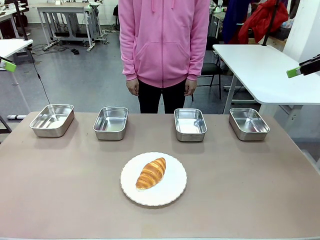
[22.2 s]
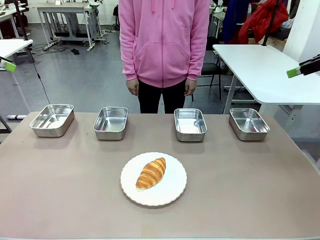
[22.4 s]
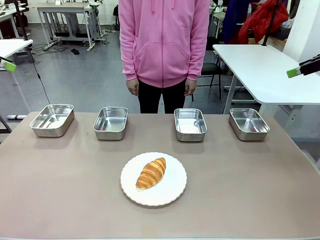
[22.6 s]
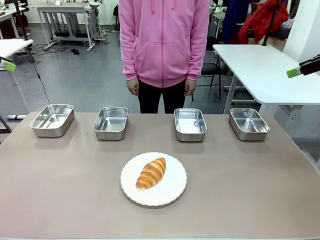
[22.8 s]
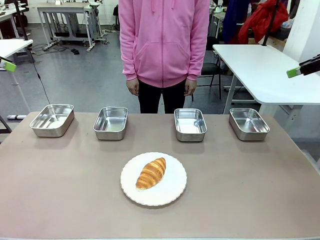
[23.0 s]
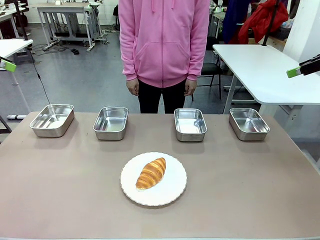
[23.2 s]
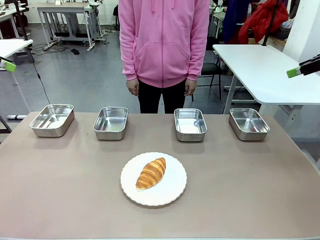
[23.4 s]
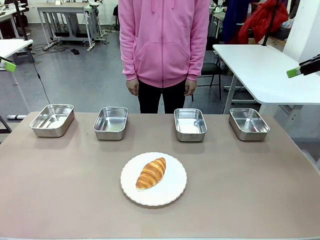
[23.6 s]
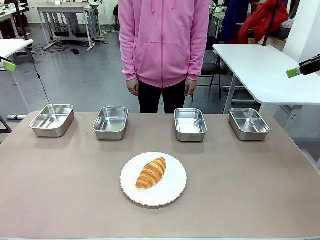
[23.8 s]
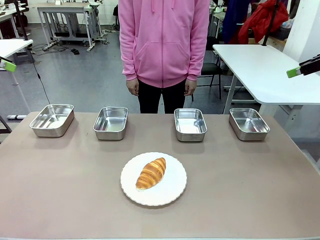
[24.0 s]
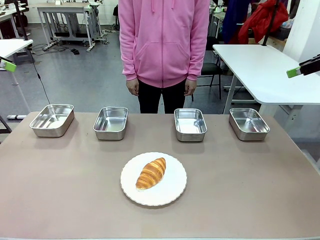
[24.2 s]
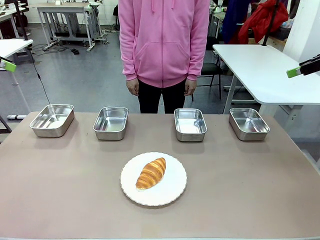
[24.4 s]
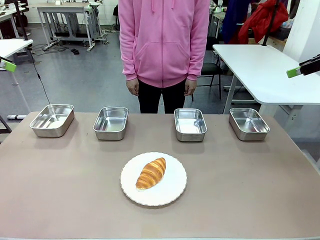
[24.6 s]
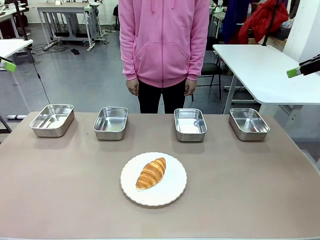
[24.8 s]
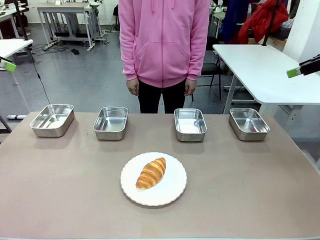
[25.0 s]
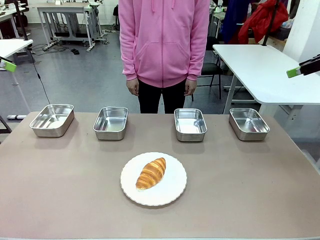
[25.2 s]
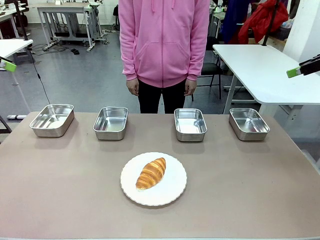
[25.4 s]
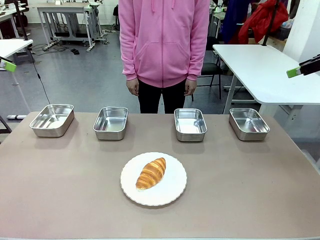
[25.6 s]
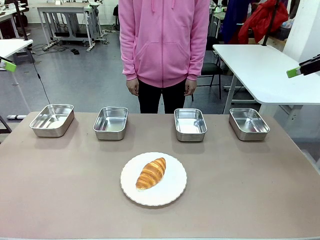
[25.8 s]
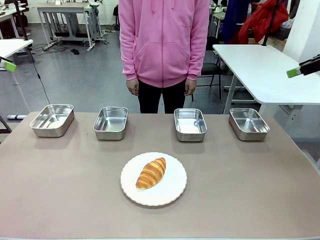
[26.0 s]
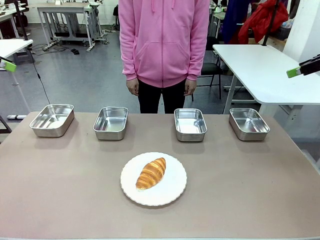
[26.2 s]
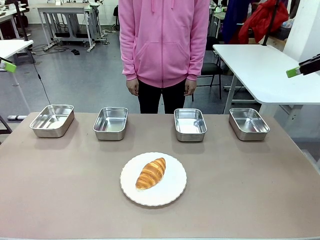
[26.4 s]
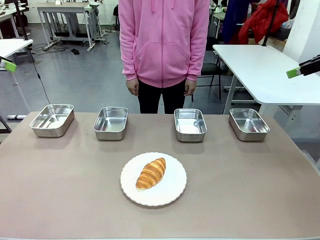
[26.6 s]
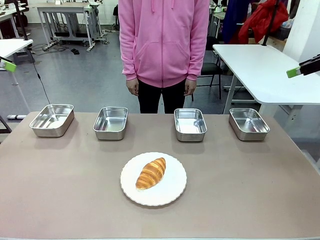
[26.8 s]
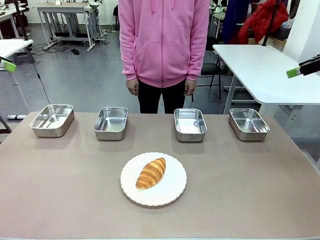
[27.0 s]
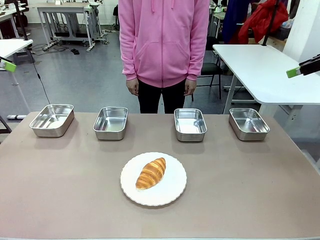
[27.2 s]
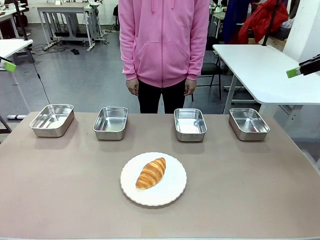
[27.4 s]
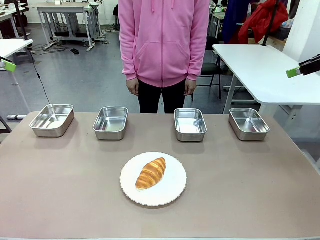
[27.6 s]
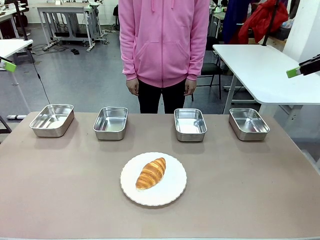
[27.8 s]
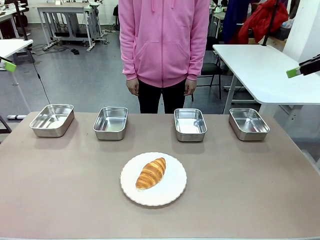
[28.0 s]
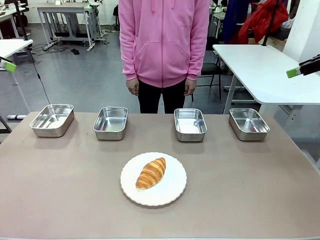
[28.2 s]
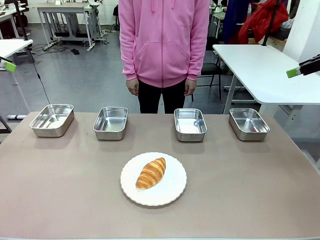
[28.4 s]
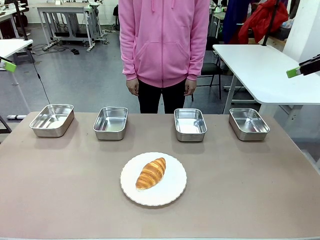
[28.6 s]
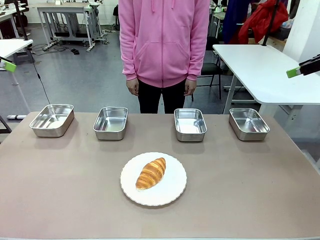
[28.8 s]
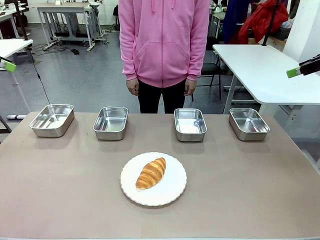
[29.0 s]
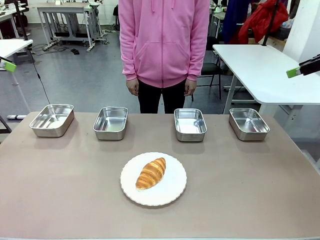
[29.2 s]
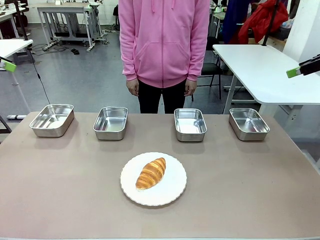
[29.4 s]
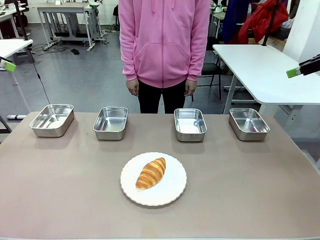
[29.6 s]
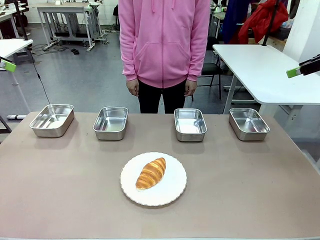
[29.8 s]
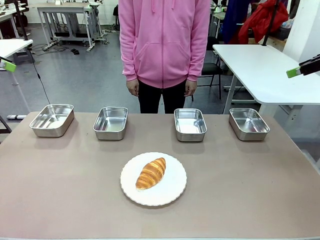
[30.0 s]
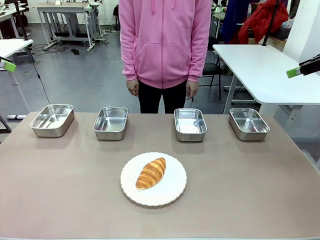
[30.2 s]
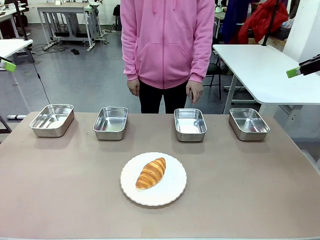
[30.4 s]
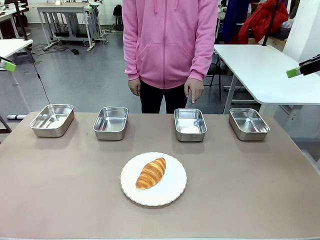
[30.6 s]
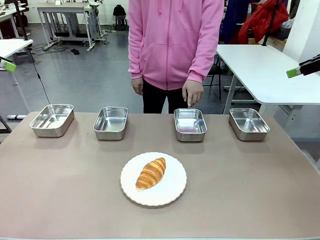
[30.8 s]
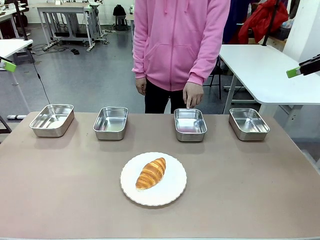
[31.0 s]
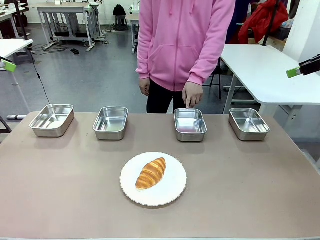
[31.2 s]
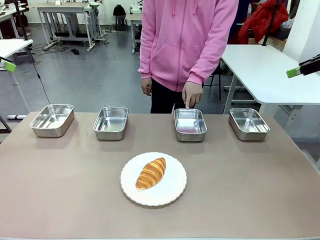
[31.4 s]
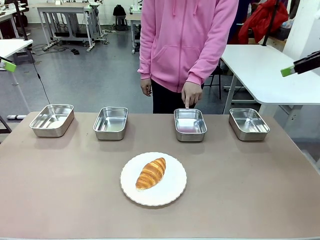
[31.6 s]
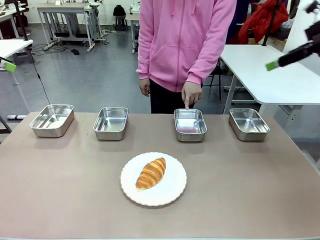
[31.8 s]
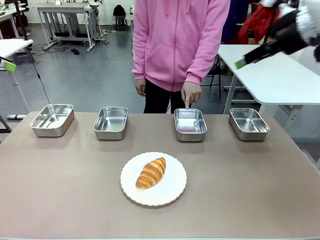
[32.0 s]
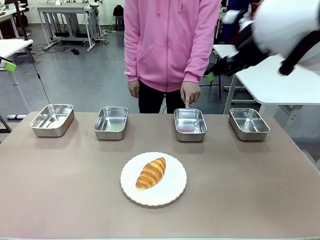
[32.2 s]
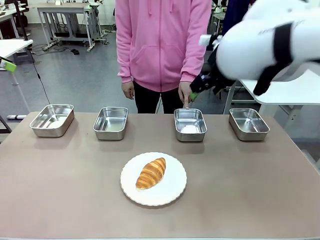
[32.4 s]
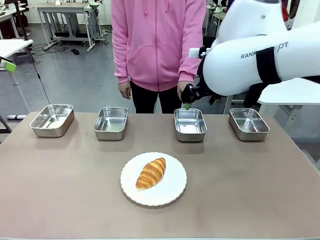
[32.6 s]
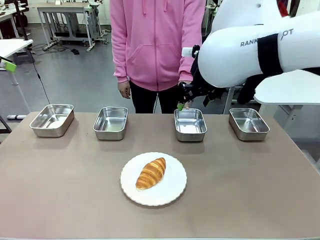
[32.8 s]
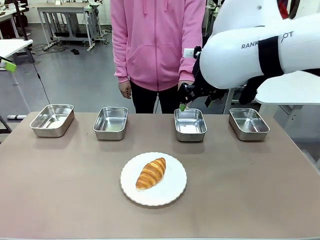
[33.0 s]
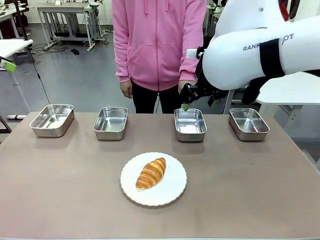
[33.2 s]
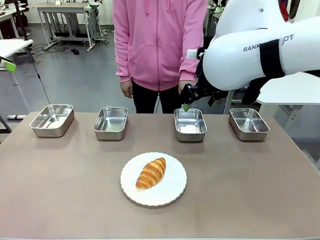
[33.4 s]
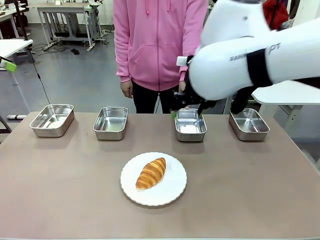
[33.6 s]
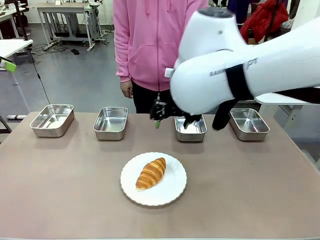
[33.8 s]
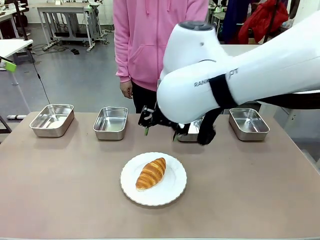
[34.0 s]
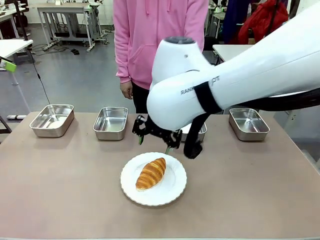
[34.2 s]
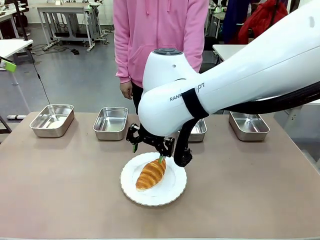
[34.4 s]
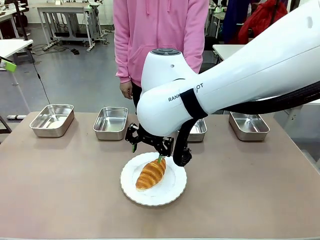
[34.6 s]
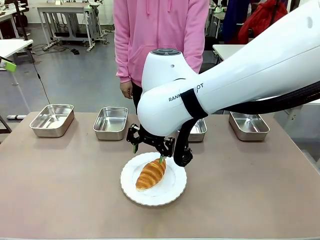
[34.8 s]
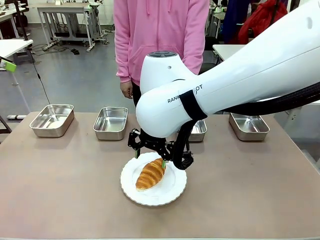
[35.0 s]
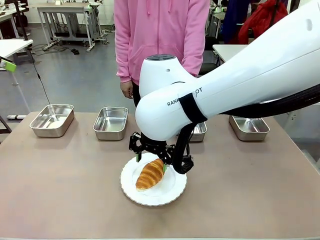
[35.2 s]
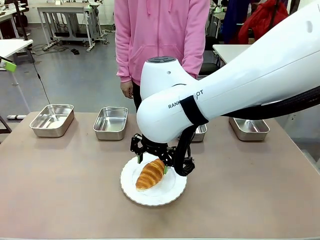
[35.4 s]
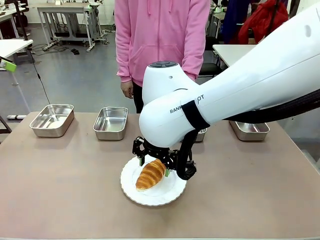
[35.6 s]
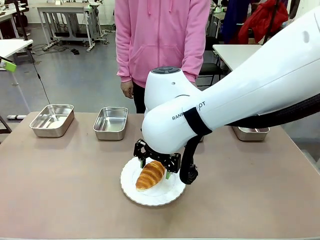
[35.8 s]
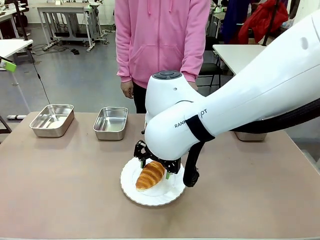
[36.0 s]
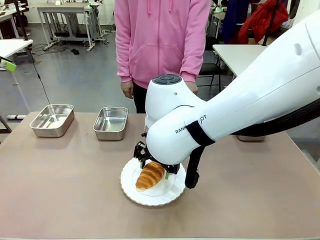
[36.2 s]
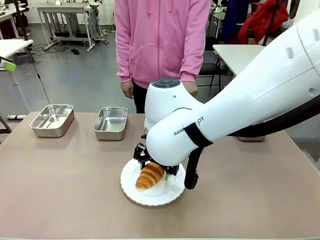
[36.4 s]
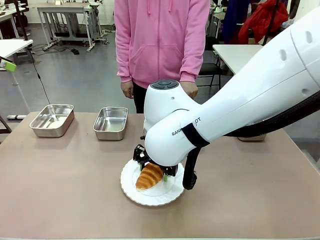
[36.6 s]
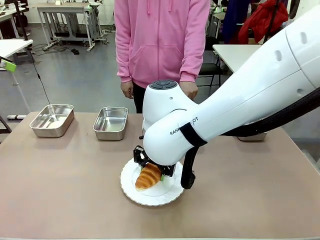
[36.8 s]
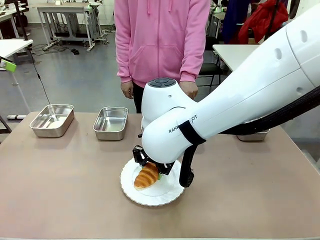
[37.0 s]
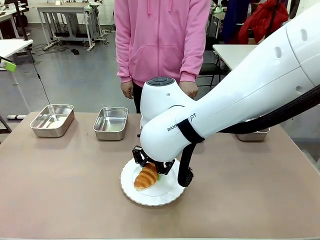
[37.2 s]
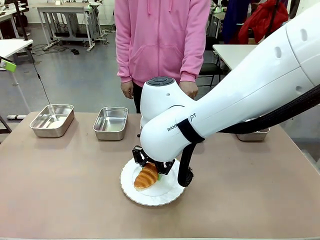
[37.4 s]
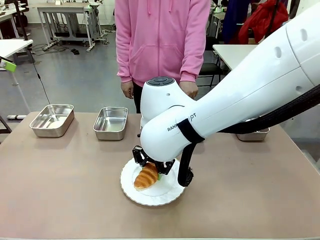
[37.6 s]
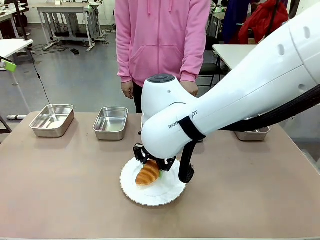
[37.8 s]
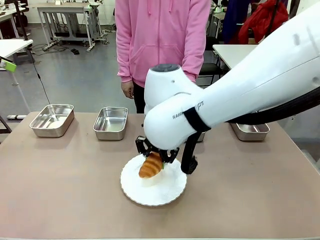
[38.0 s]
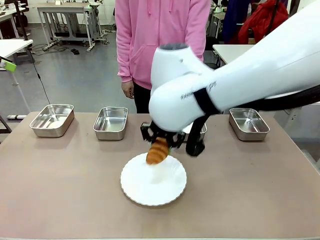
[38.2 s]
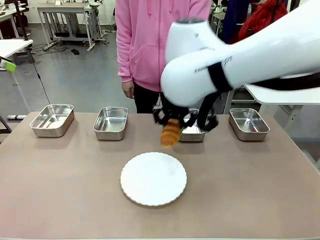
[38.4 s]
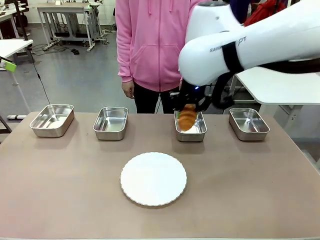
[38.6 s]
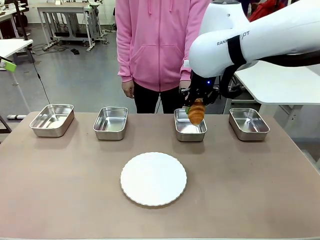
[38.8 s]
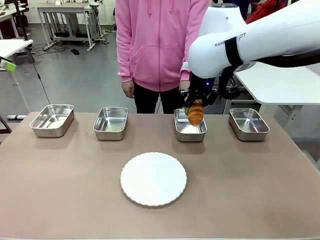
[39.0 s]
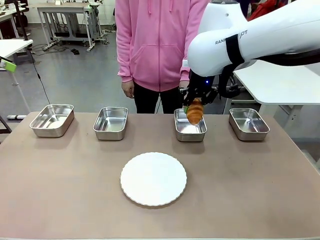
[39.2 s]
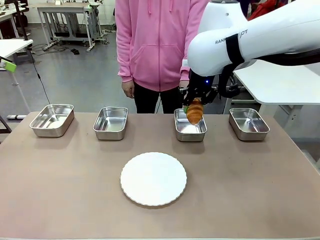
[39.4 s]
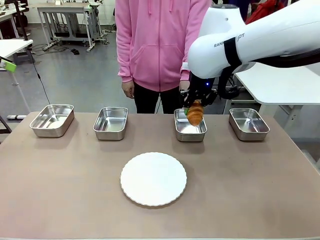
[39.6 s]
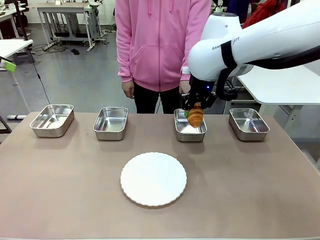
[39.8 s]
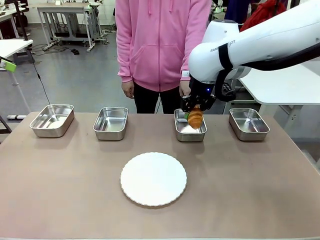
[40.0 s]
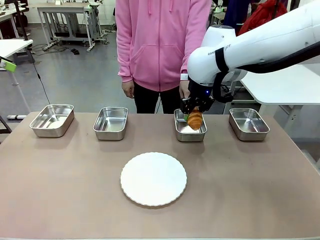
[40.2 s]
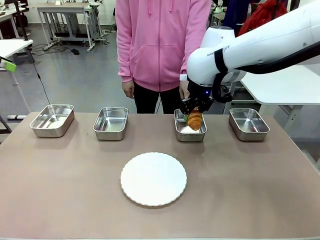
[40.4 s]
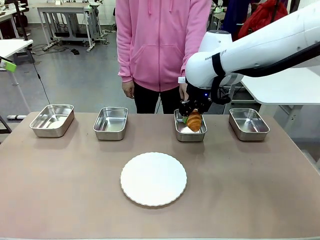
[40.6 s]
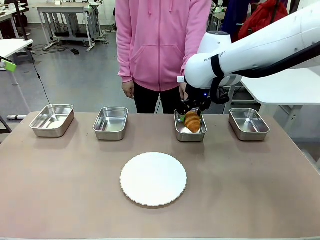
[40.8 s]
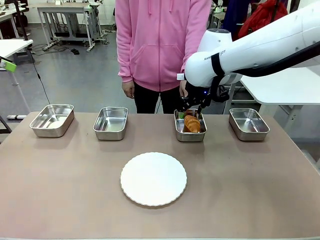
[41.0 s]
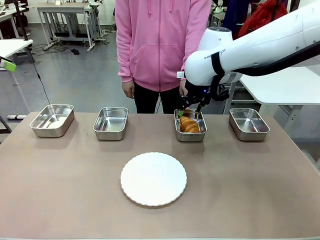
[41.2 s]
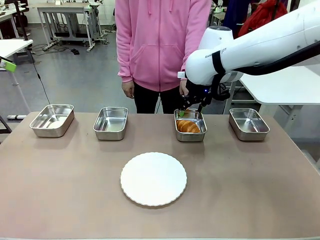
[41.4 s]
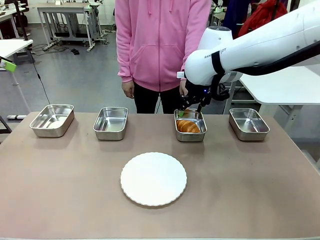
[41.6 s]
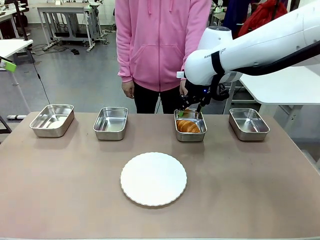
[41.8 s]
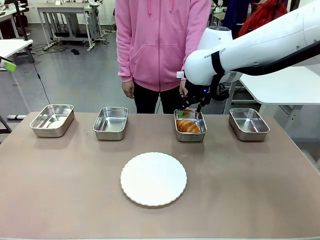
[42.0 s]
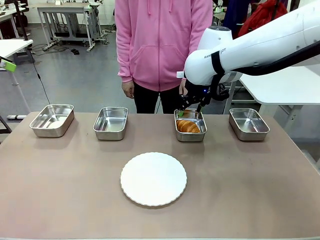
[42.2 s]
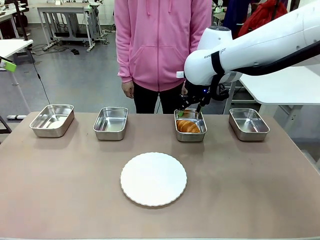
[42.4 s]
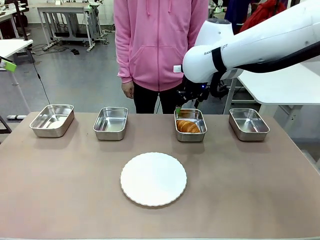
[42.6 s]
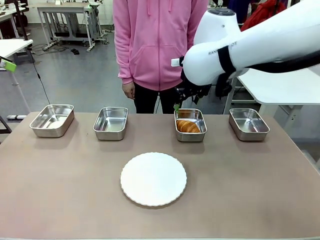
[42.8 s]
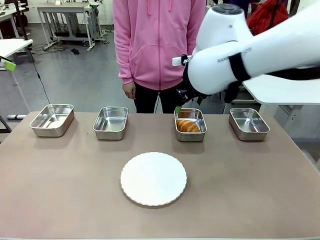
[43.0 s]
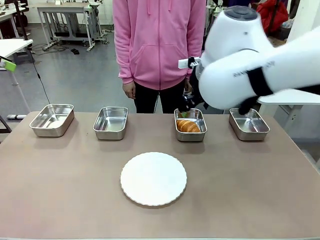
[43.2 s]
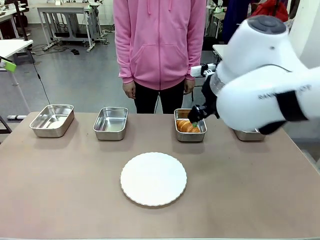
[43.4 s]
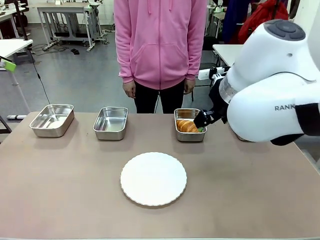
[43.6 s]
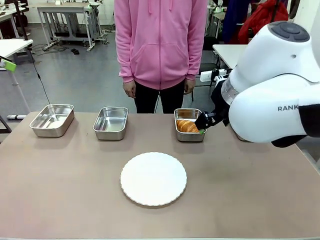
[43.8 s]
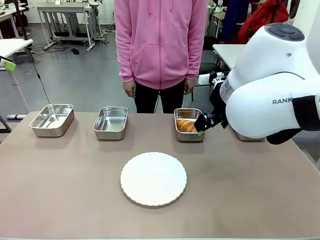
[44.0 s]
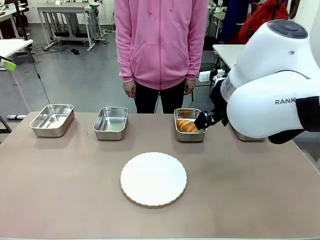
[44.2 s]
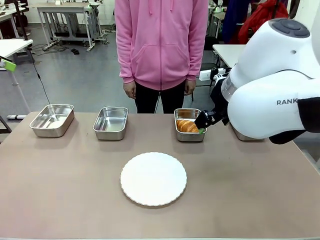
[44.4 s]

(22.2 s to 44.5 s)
Task: Place the bread in the container.
Robot: Place the Butter Roll into the Airtight Container indicated by the human.
Person: A person randomly selects and points to an Airtight Container.
